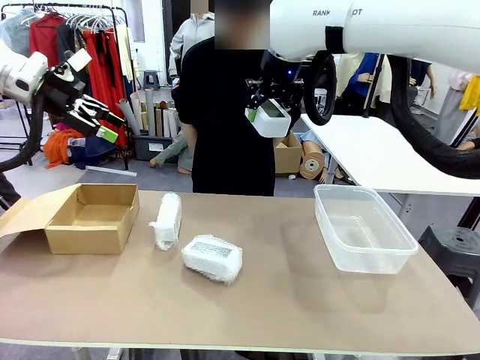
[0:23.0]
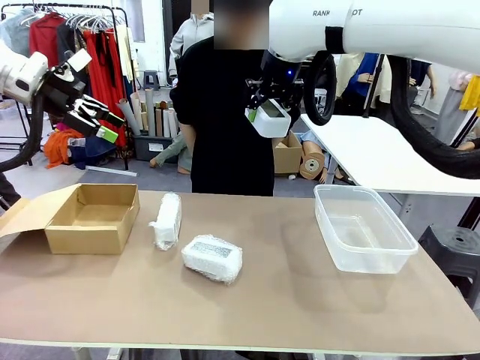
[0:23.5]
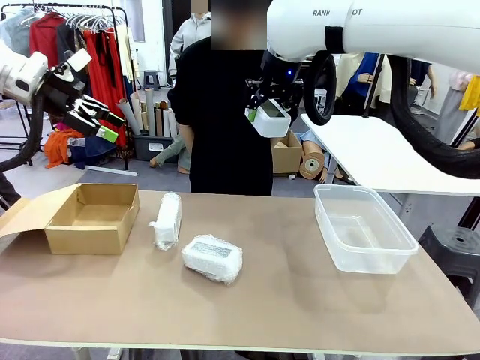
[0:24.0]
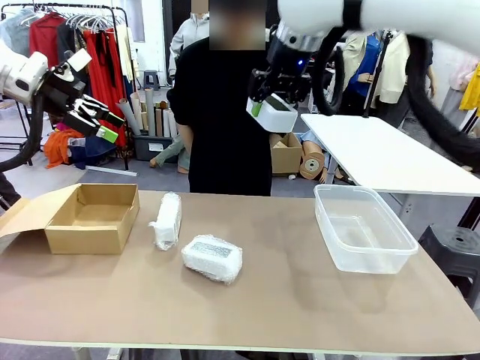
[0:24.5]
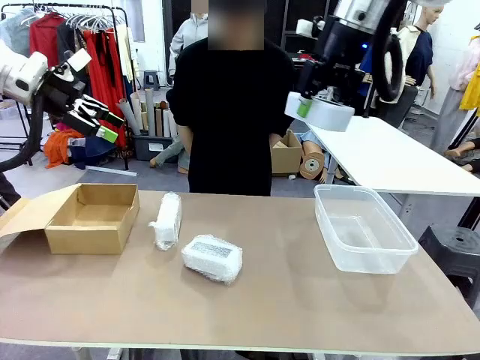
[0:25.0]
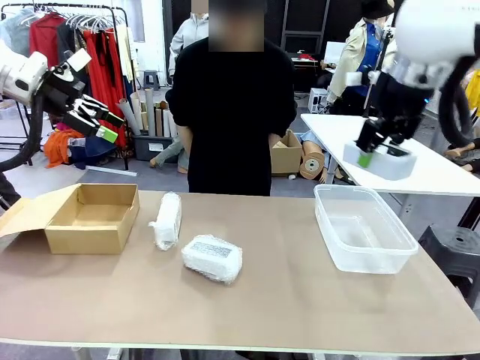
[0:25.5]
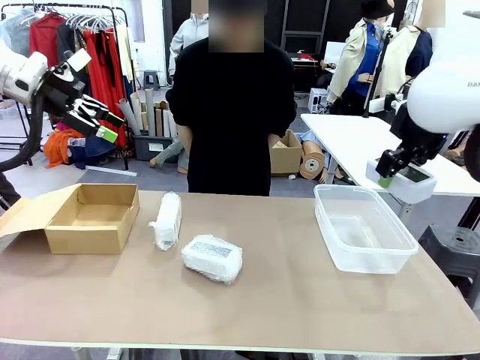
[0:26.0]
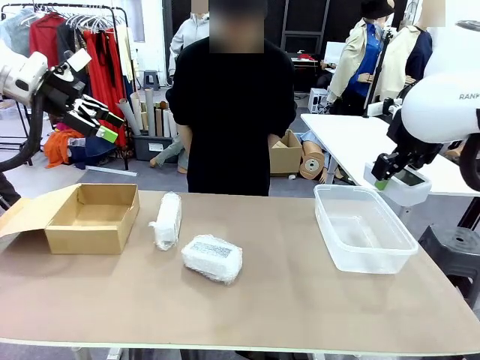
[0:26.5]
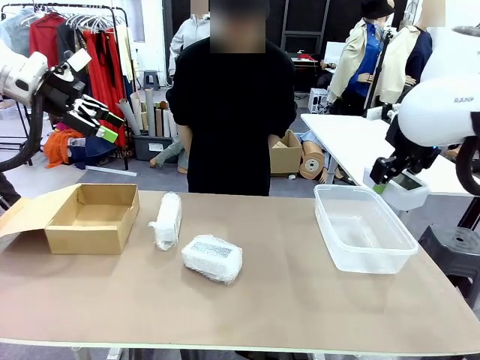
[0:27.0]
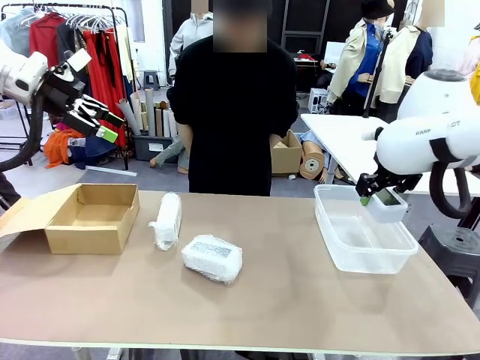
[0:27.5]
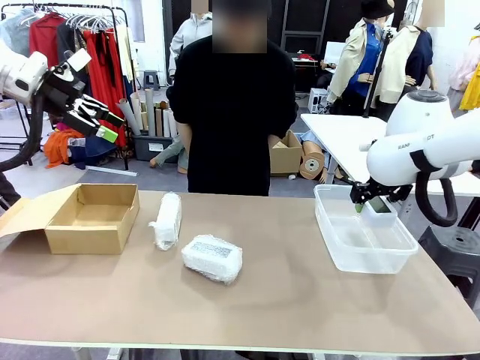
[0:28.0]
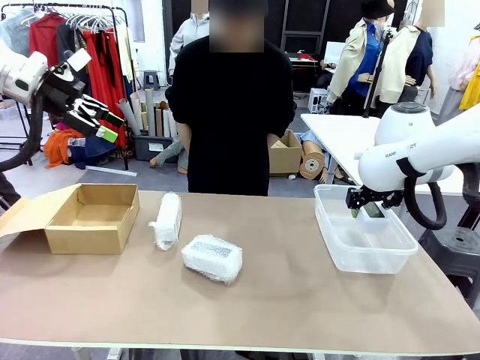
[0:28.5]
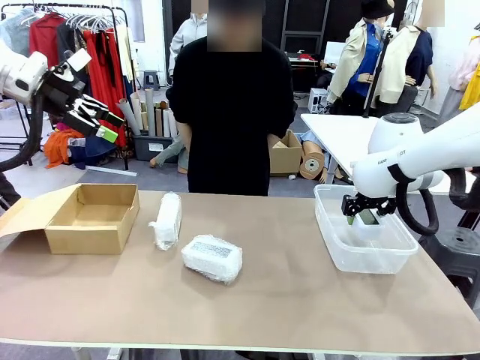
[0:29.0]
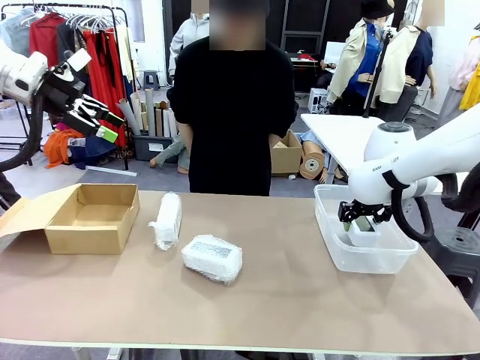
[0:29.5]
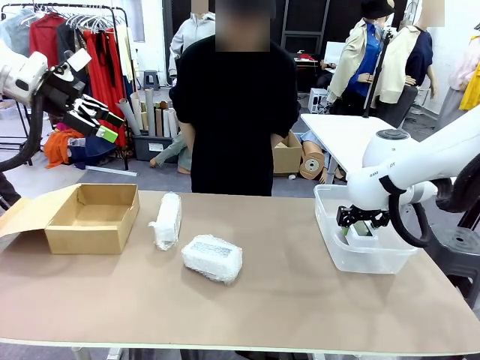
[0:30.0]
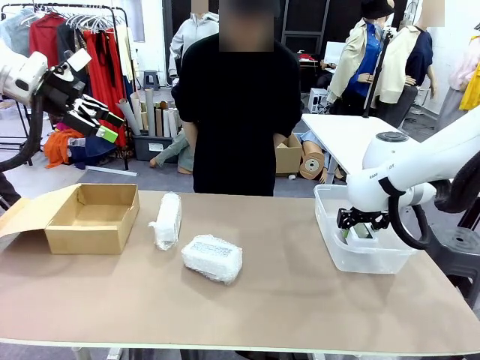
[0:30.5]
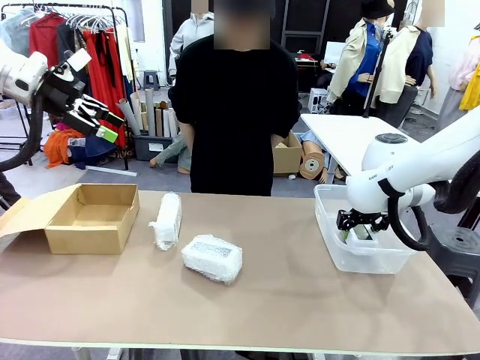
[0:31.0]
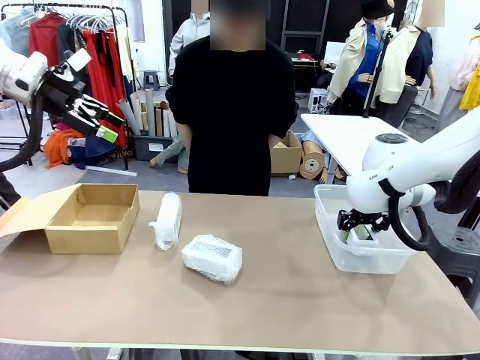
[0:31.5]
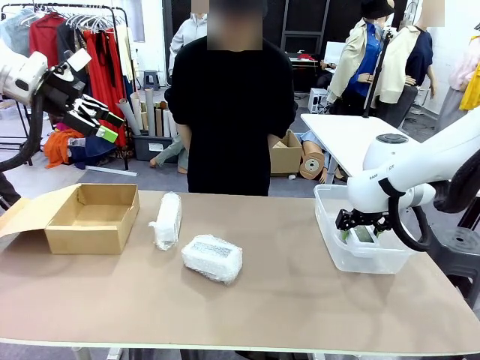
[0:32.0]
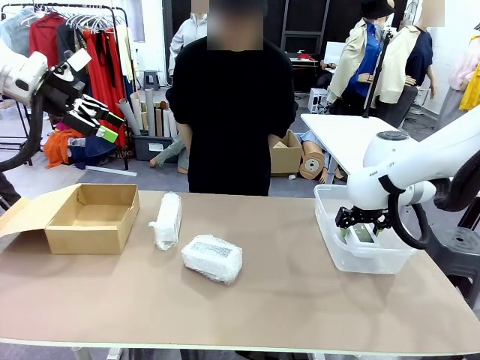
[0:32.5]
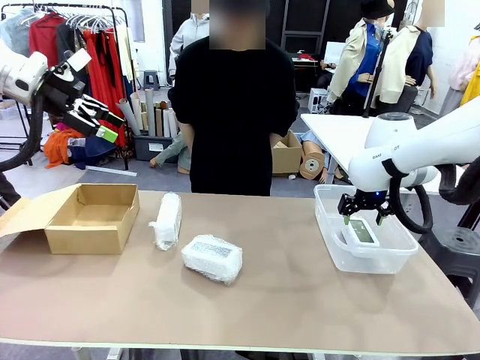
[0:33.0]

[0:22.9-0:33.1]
Task: Separate and place wrapped and unwrapped clocks.
Robot: If the picked Digital clock is wrapped, place it in the Package Box ; if not, place it in the Organizing box.

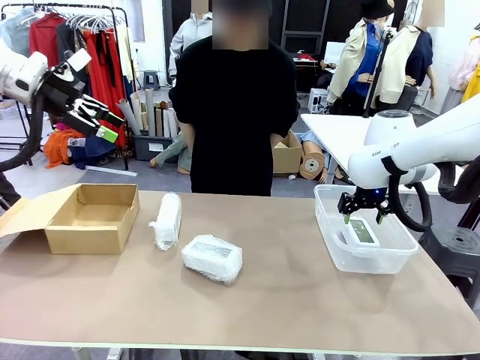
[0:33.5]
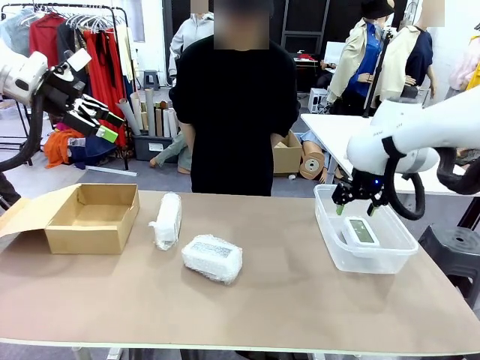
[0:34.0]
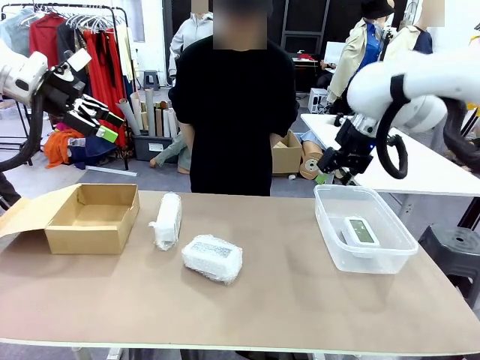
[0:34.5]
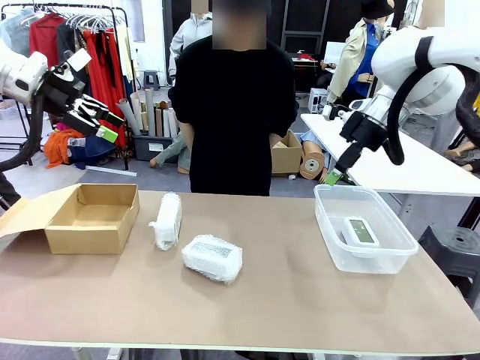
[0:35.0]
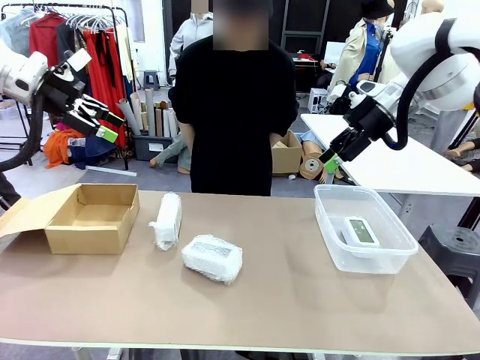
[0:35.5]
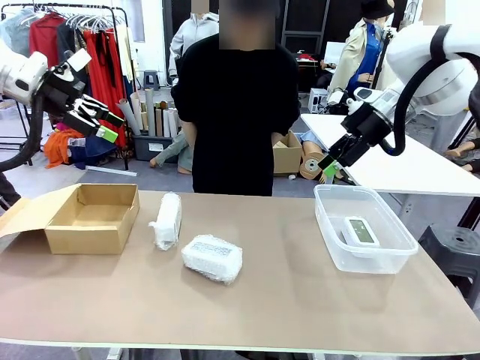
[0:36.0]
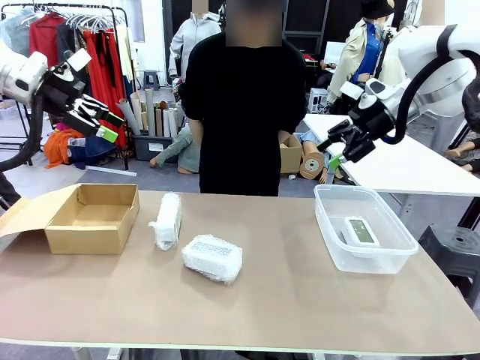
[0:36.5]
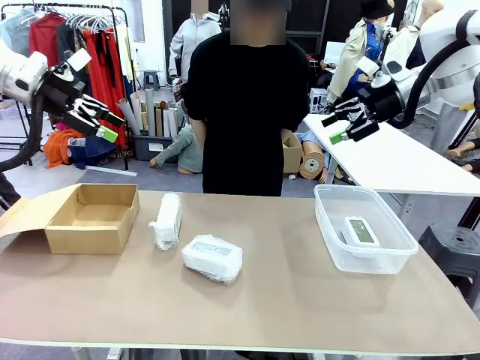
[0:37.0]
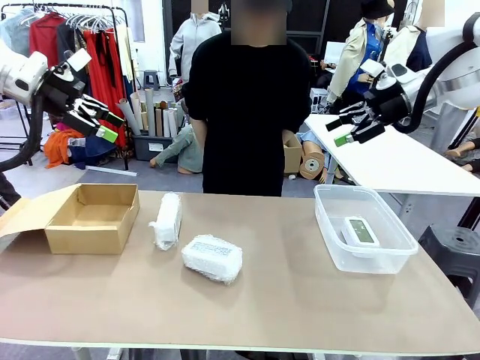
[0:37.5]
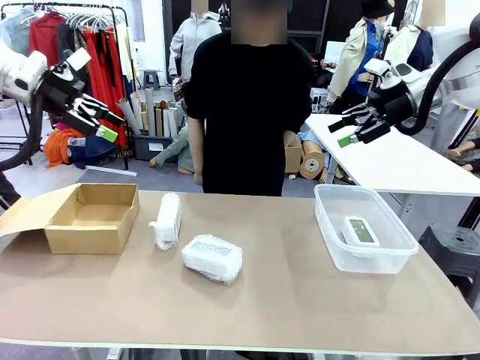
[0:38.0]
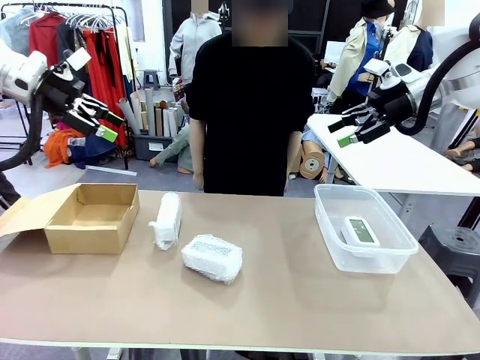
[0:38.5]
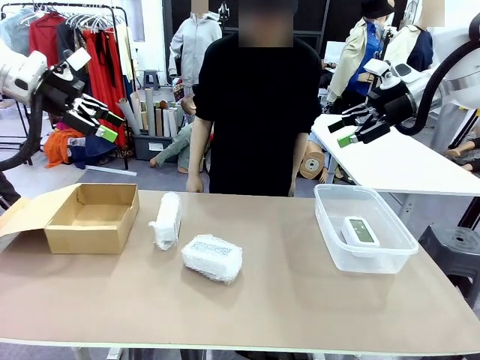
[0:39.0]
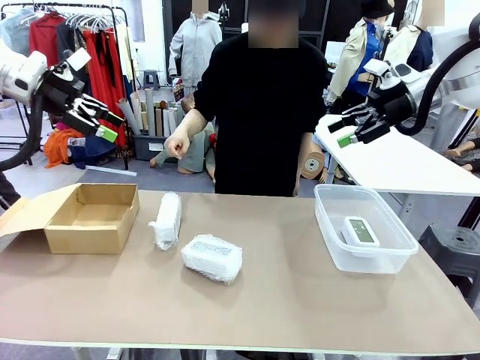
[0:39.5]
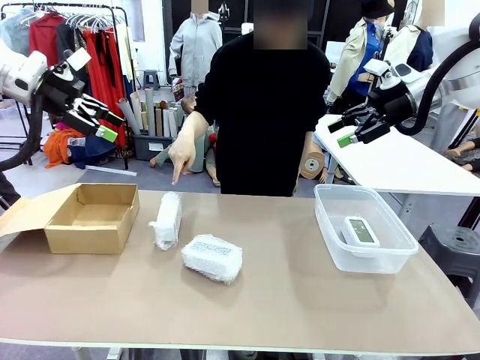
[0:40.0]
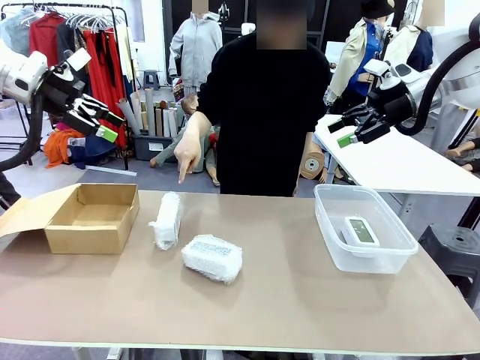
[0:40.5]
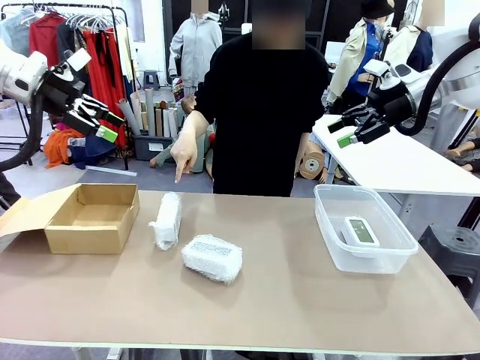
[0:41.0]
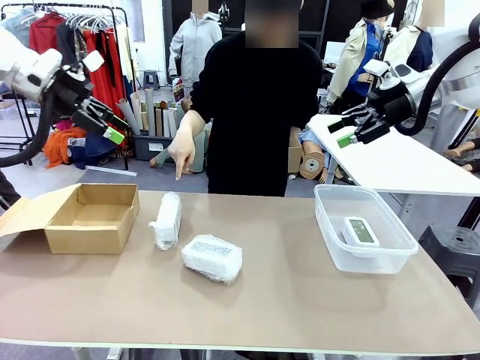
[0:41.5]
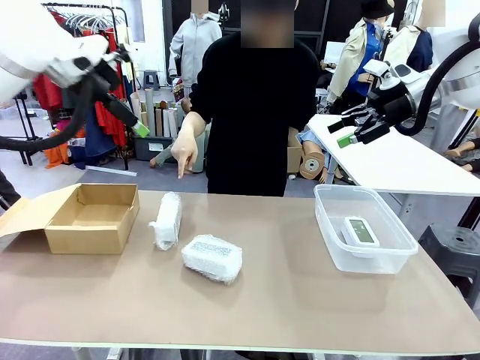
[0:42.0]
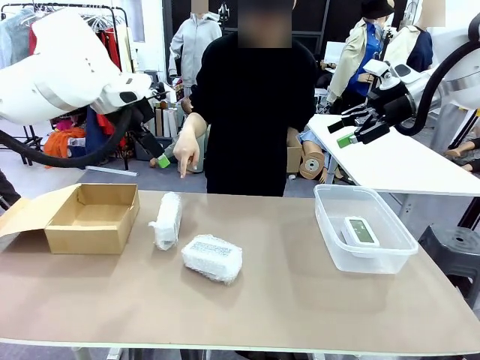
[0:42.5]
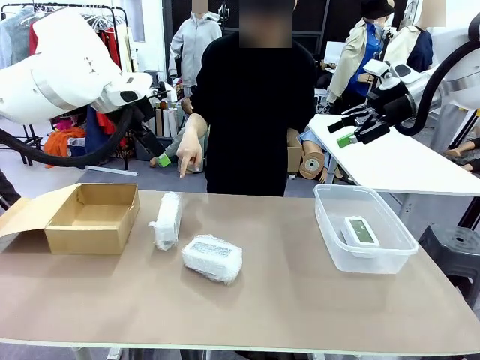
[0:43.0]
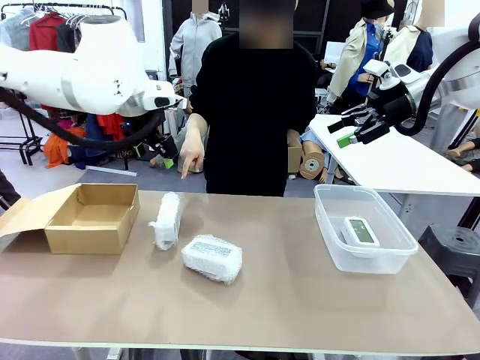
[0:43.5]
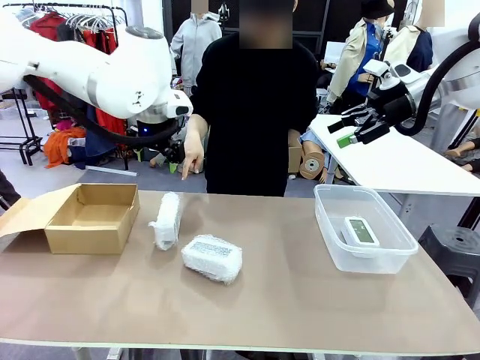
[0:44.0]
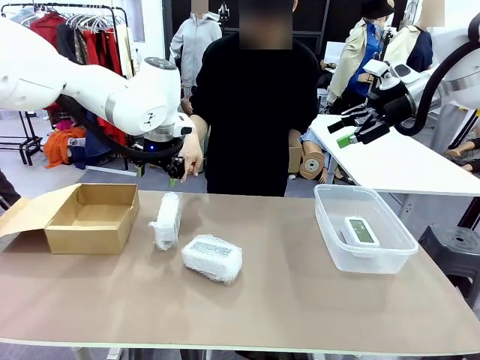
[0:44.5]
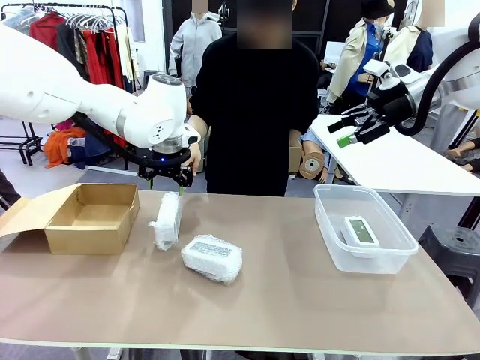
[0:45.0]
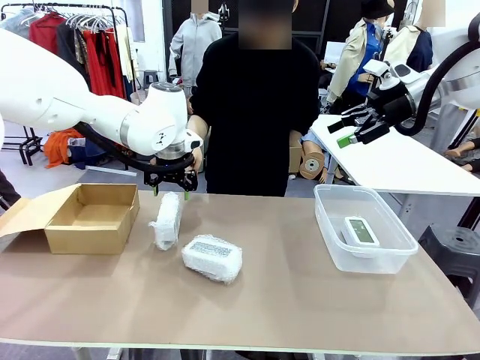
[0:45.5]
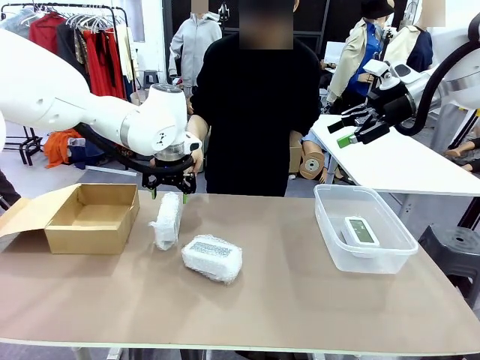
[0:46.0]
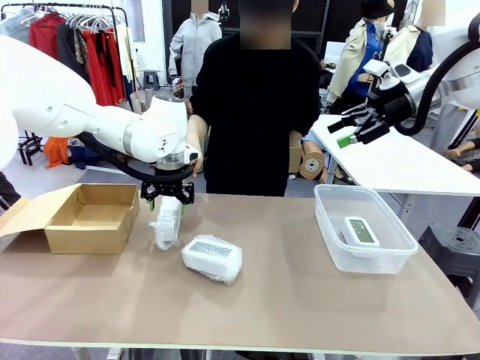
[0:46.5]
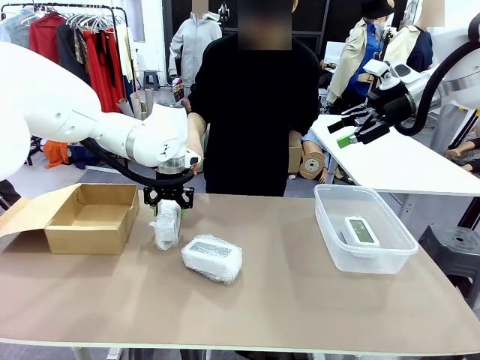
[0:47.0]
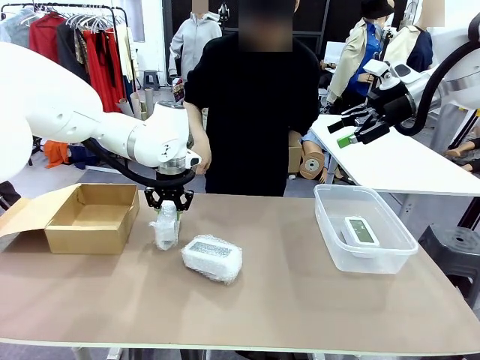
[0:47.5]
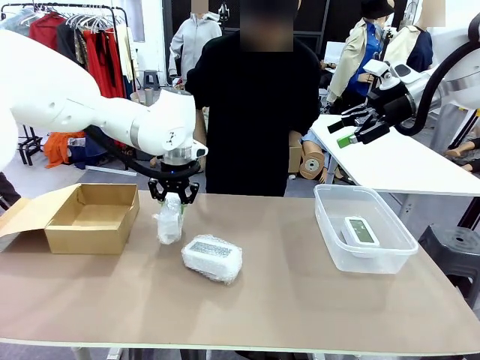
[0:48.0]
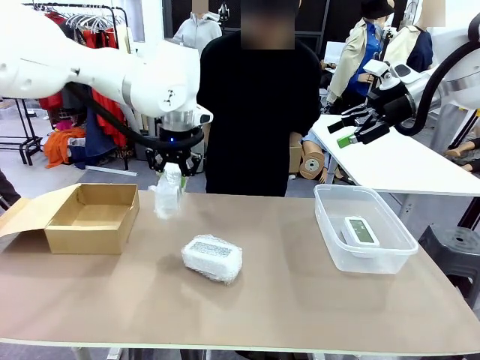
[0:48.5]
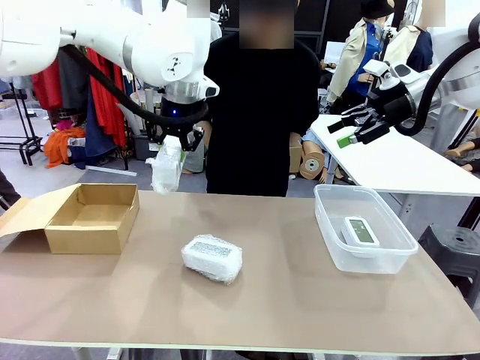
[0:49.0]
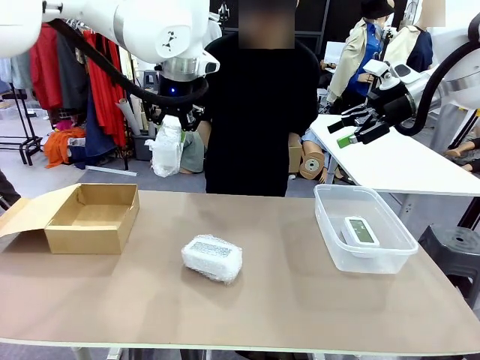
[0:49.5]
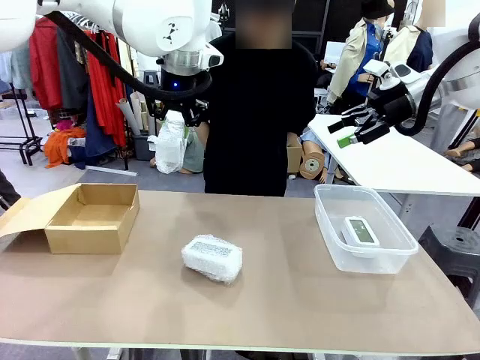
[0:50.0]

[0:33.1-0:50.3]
Robot: Pick up the Digital clock indicated by the person.
